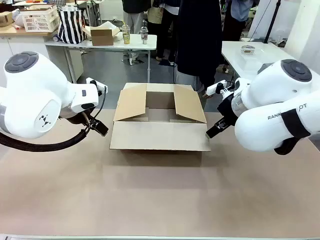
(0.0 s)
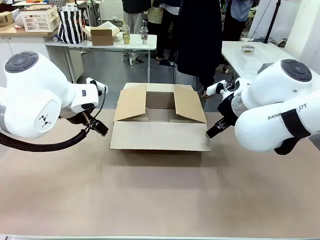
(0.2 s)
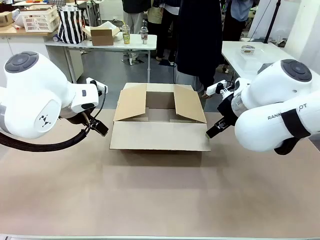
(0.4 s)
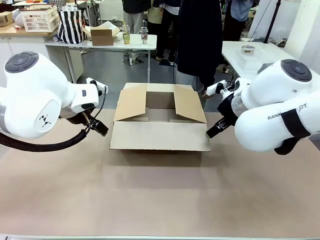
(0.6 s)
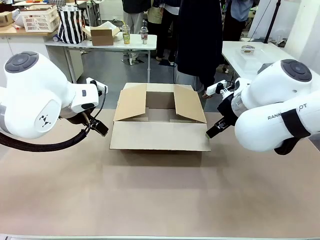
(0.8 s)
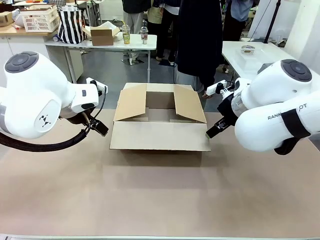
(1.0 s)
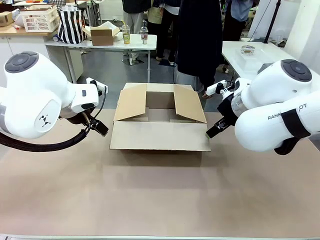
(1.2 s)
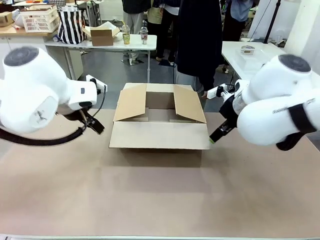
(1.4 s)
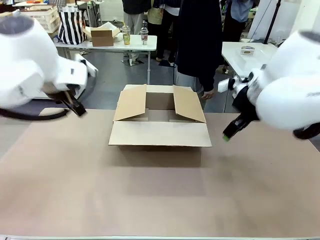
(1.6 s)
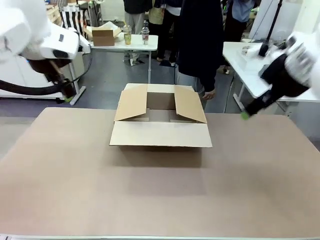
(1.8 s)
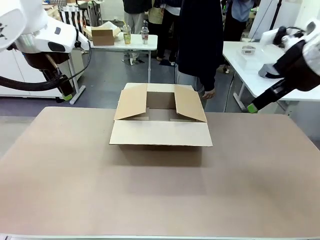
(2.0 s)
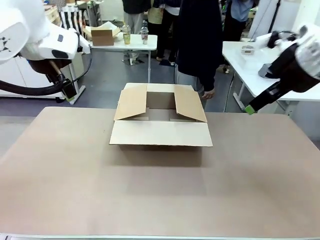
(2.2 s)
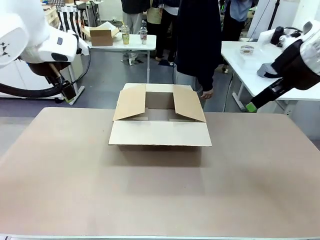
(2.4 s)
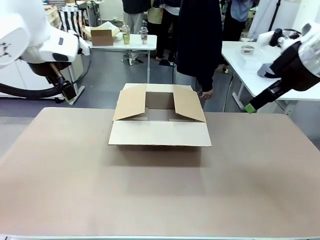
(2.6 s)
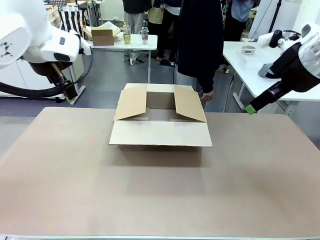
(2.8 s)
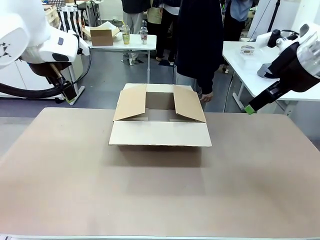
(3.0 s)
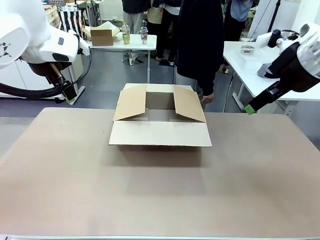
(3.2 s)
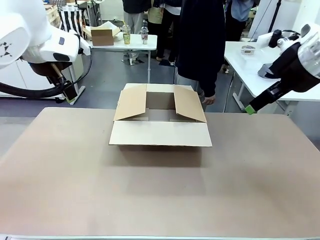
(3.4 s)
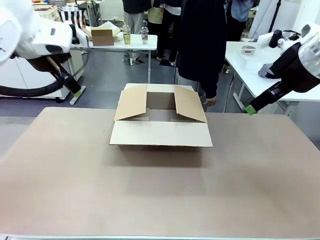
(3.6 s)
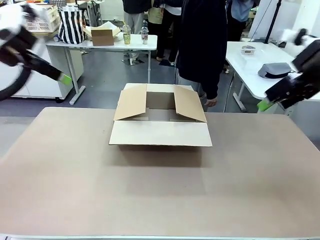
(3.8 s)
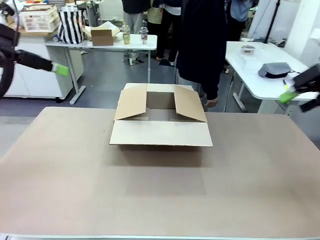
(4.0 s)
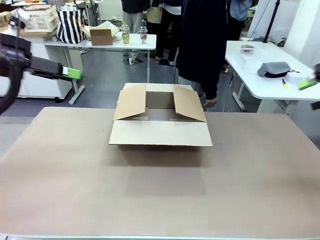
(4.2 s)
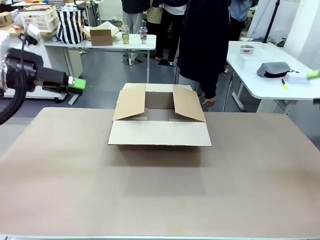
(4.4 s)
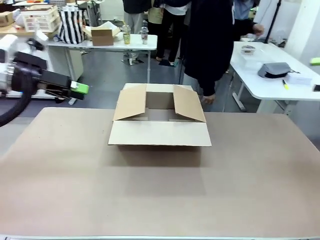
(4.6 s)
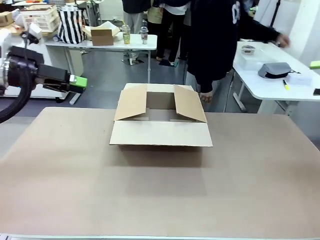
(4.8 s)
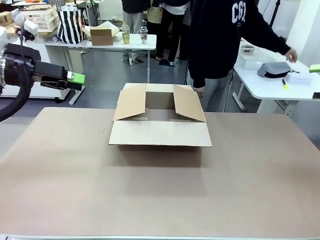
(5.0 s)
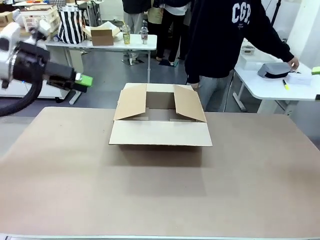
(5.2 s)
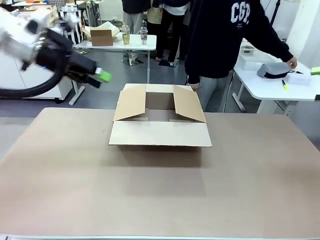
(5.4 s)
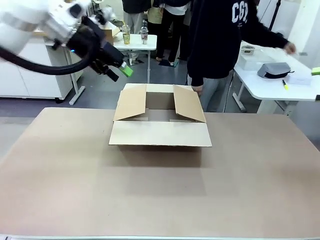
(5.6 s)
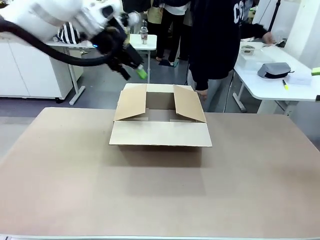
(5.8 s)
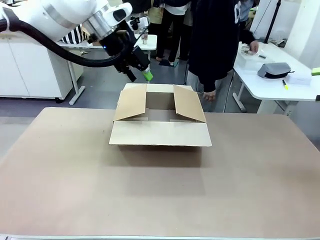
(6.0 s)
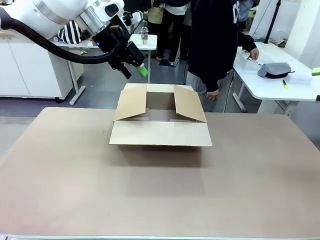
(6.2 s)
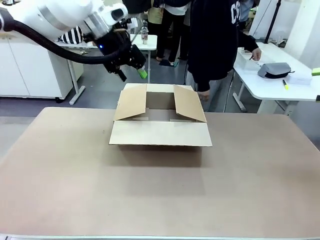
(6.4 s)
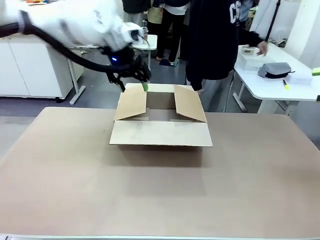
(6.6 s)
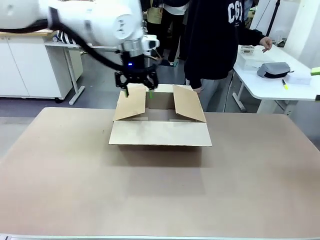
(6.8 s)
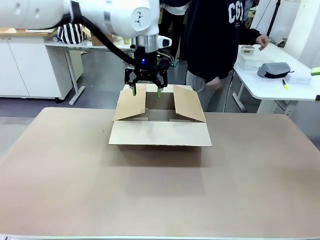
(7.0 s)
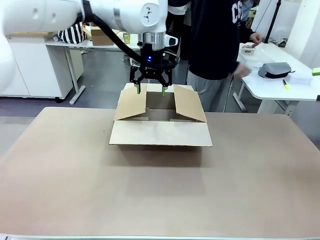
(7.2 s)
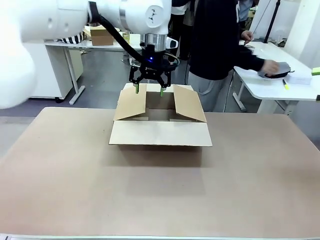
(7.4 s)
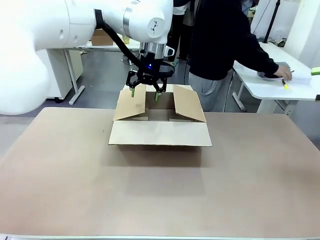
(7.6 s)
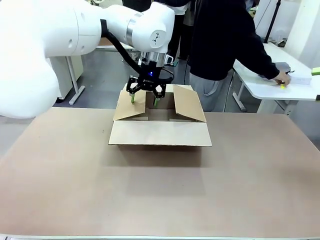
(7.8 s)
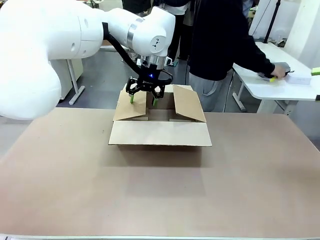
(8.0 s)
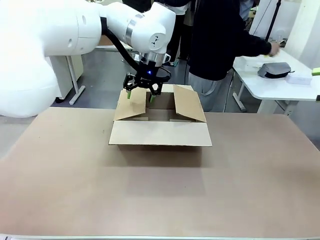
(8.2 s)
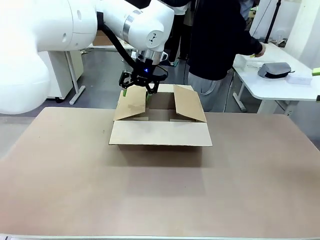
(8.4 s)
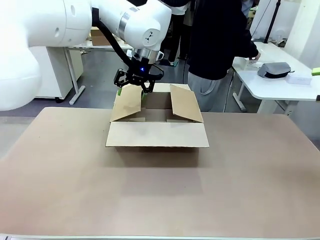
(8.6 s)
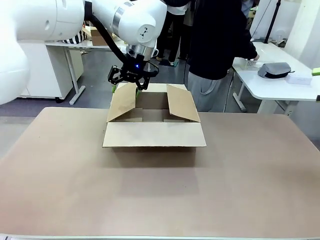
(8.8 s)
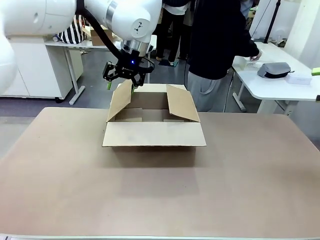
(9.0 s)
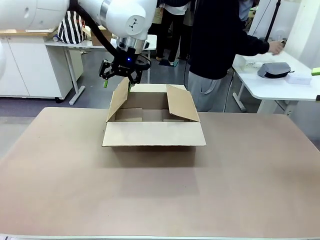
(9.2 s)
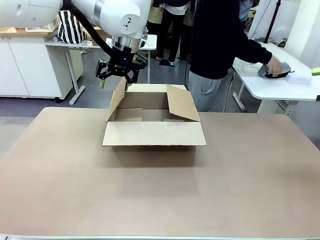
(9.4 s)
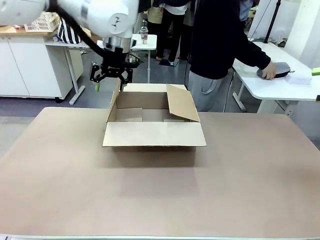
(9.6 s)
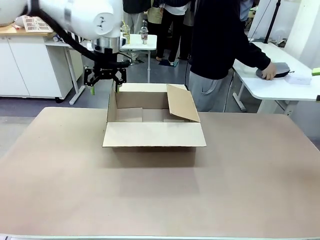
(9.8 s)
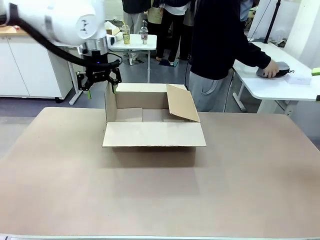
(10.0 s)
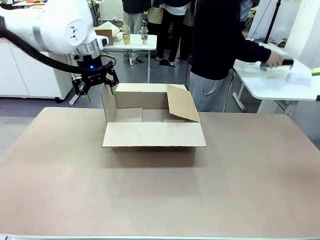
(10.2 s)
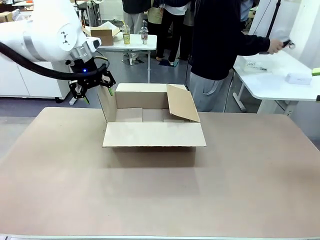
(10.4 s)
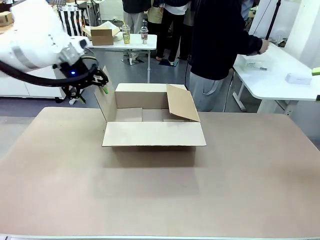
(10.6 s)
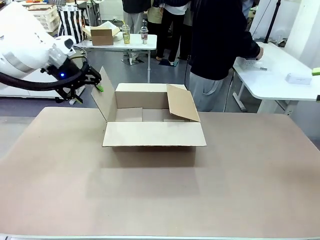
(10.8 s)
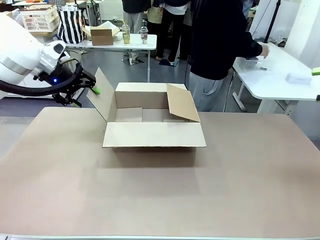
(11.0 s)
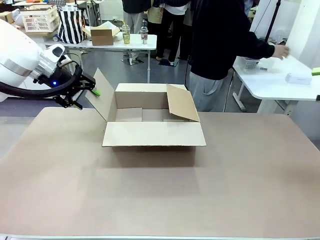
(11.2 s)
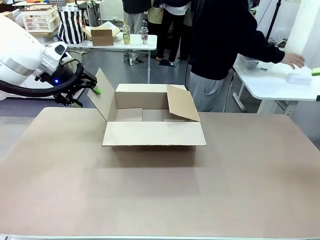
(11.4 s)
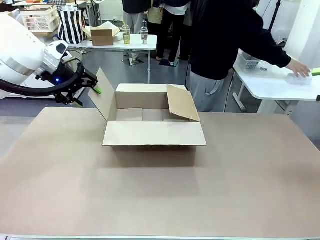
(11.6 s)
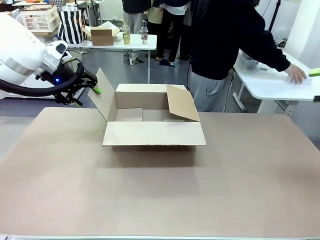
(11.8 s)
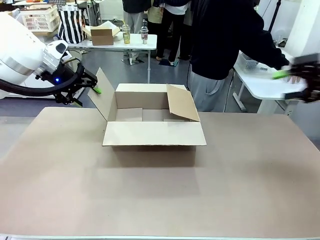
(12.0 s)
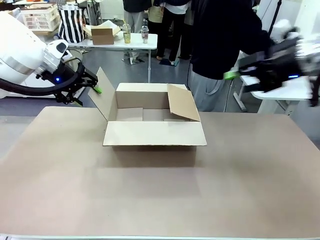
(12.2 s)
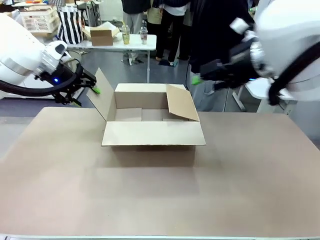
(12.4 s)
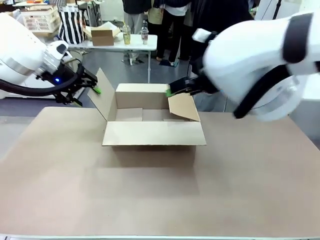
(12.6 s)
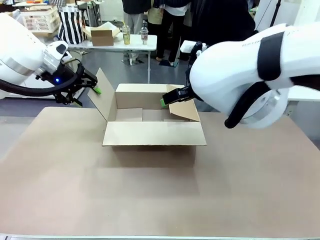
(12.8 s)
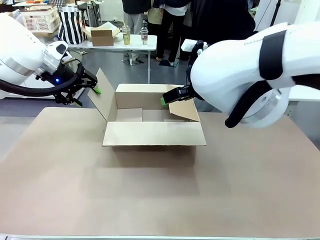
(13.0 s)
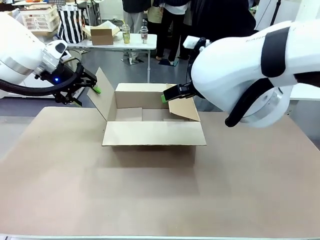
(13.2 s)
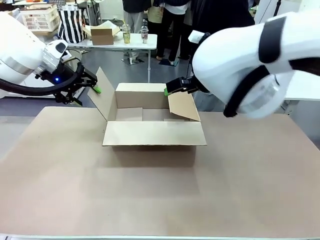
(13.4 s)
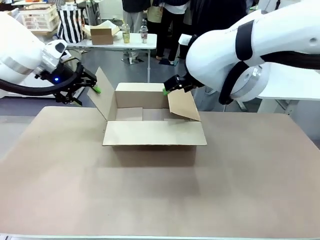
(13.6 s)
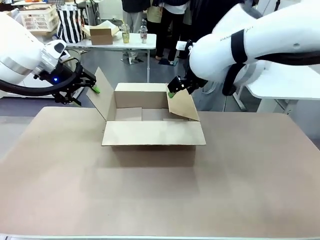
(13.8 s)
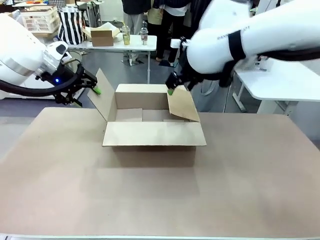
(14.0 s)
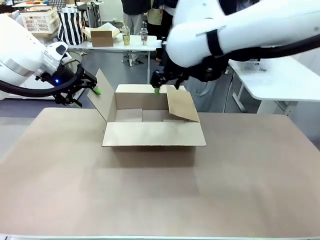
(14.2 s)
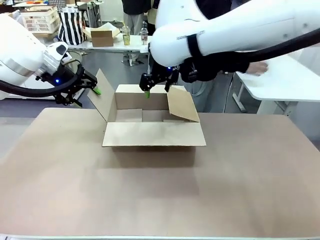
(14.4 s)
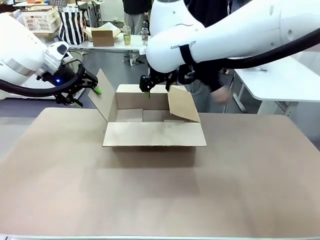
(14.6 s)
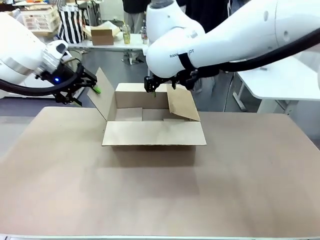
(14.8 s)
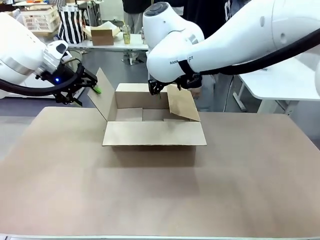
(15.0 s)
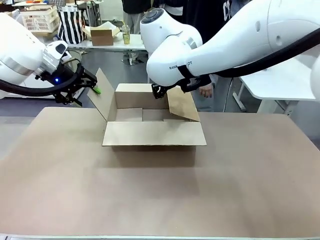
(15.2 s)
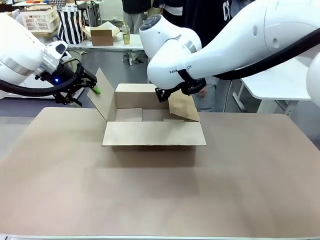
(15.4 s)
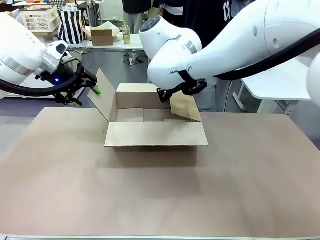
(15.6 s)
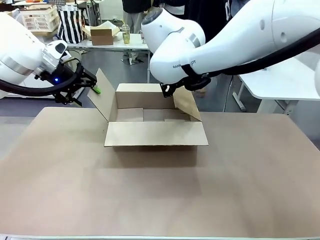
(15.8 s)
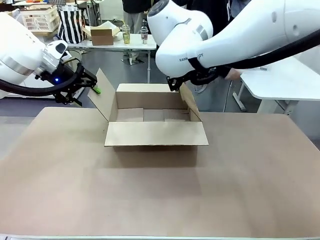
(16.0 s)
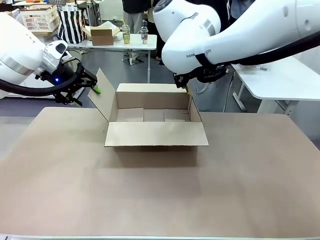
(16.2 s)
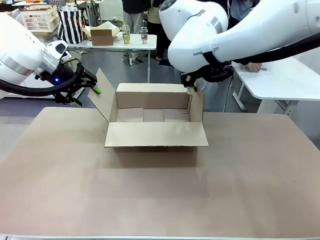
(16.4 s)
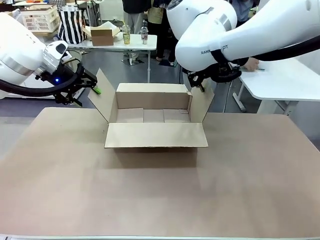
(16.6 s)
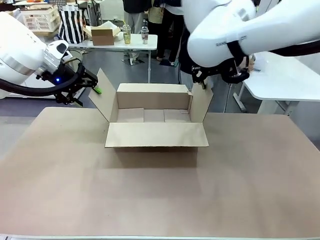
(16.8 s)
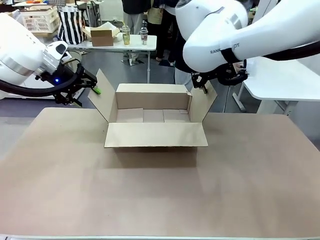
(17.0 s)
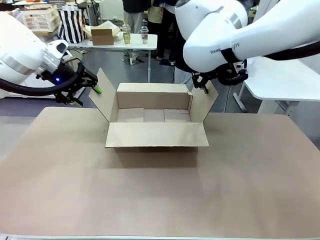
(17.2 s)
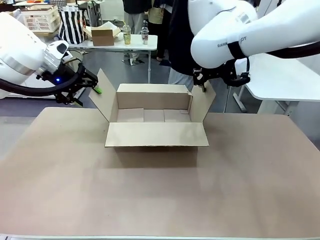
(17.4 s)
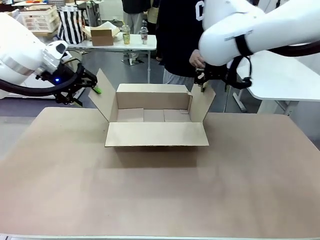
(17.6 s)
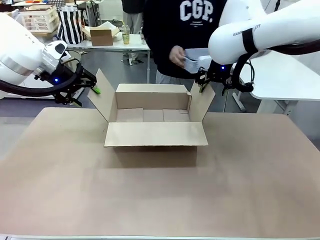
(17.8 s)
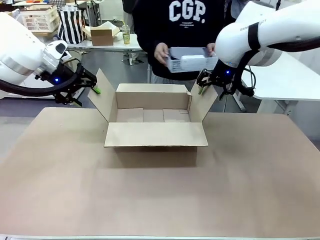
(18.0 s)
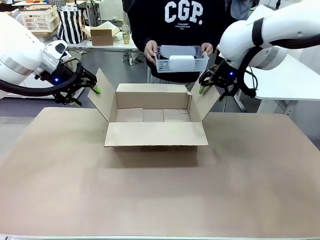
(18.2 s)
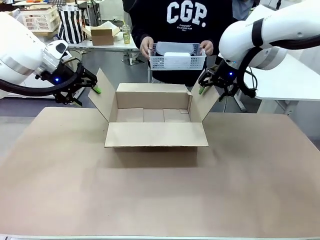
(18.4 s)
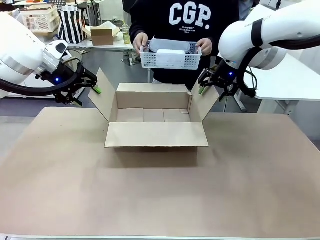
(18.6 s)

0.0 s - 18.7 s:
Task: Pack the gift set into the box.
Robot: Place both hands on the side flaps of the Package Box and spread them outward.
Person: The human places all items except the paper tape into the organizing basket. The human picks up the organizing basket and places the organizing basket into the package box on the robot table.

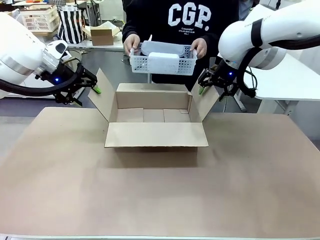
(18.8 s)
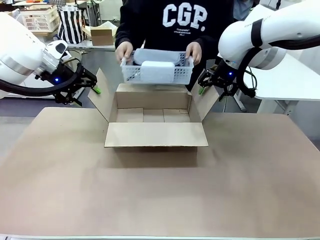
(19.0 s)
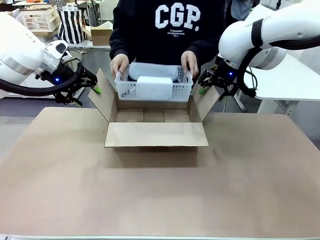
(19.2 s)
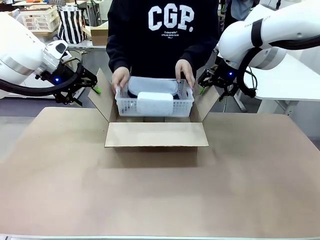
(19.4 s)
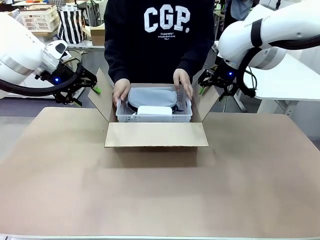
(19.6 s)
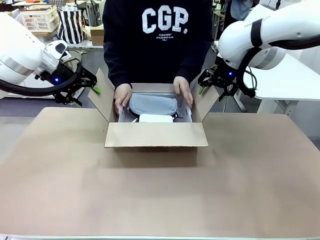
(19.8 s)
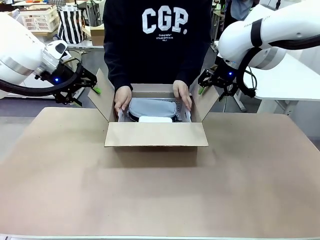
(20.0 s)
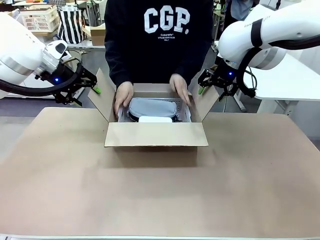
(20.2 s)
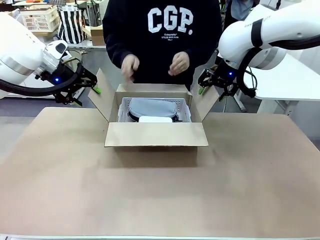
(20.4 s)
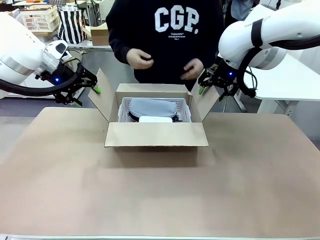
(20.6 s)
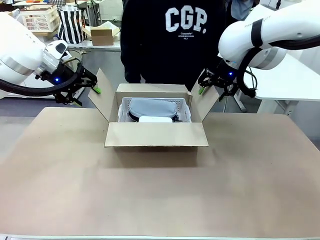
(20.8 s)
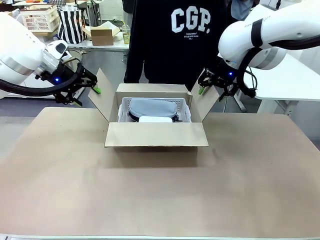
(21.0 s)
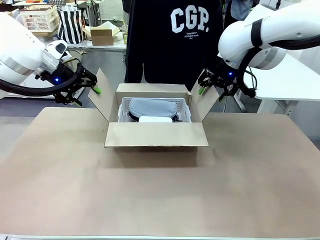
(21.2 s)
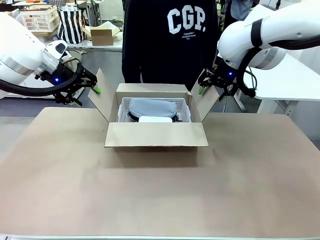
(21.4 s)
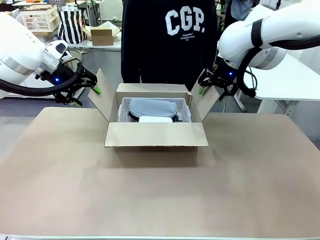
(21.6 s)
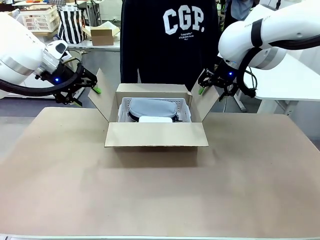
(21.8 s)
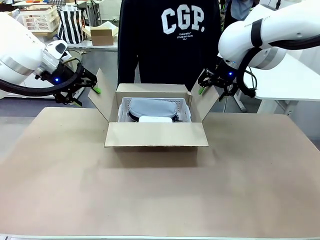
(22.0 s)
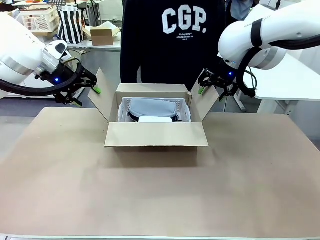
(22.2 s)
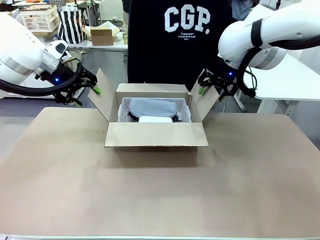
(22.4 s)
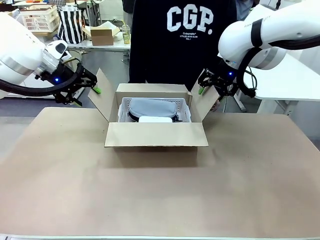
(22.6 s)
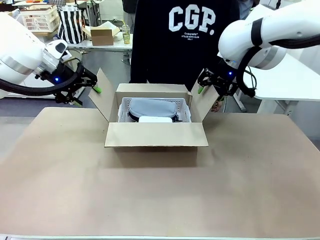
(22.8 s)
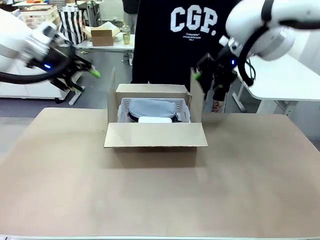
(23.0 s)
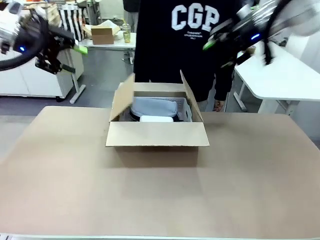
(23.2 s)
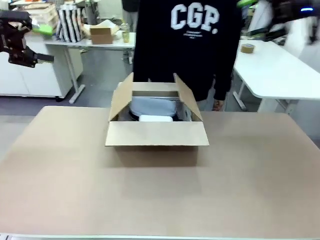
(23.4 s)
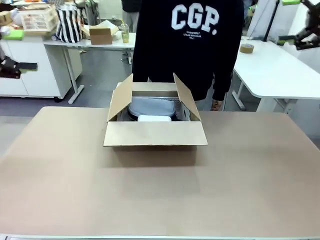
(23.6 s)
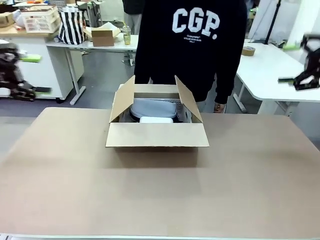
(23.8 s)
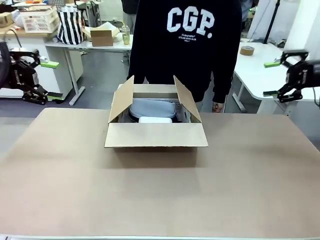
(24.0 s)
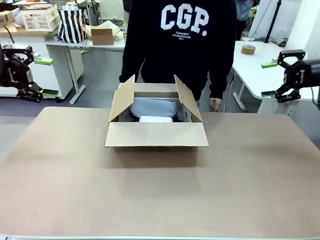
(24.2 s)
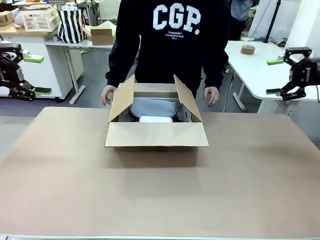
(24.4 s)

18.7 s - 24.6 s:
Robot: Lift both hands away from the flaps of the Package Box.
